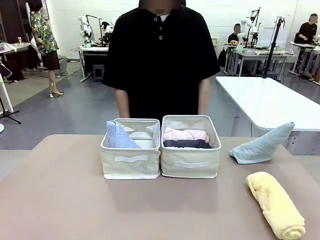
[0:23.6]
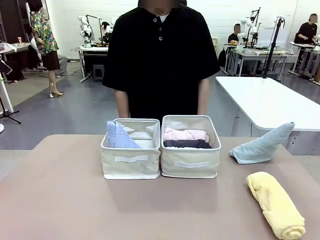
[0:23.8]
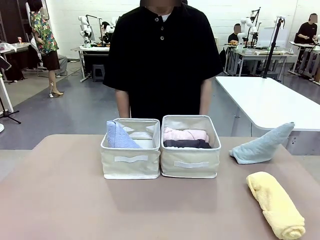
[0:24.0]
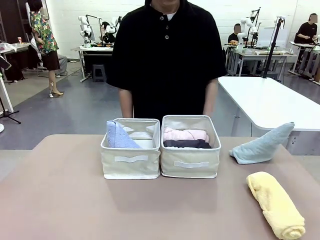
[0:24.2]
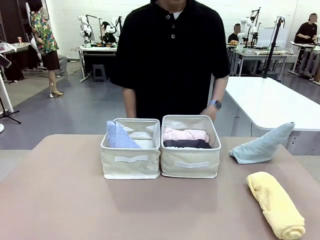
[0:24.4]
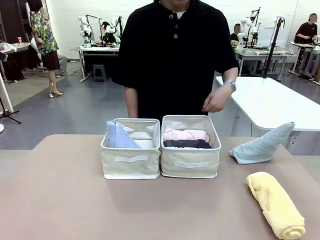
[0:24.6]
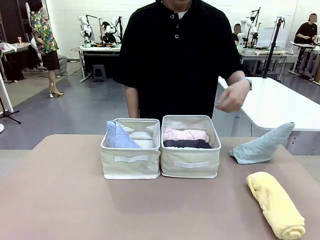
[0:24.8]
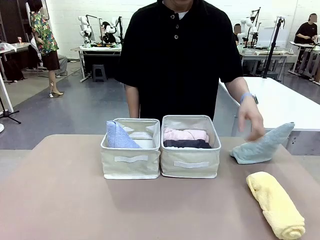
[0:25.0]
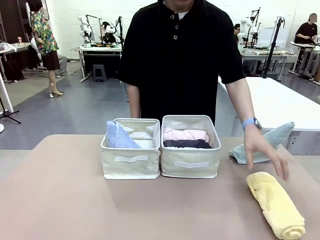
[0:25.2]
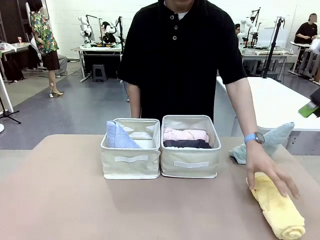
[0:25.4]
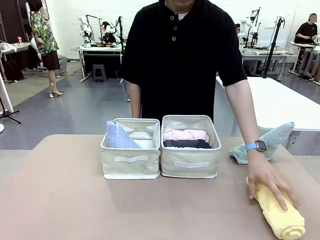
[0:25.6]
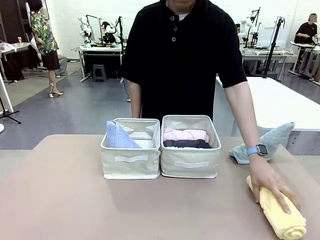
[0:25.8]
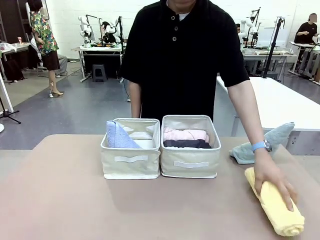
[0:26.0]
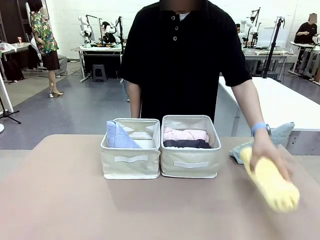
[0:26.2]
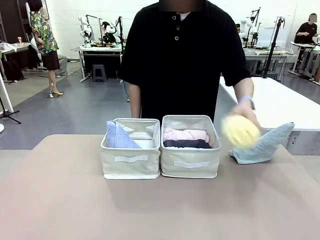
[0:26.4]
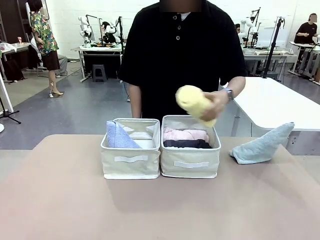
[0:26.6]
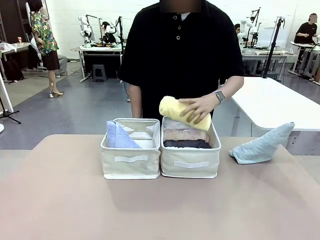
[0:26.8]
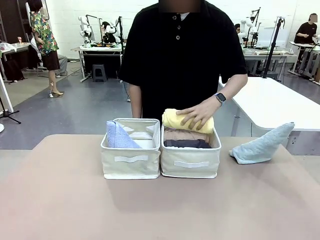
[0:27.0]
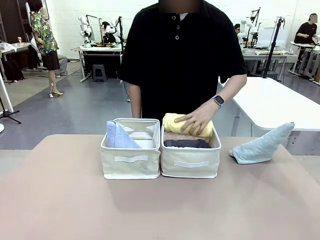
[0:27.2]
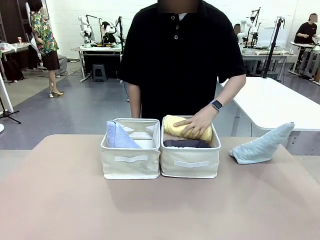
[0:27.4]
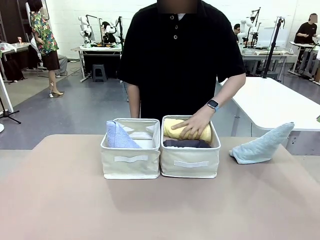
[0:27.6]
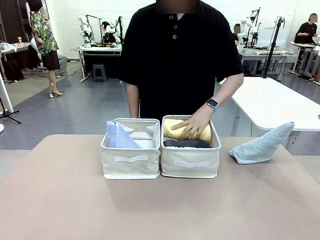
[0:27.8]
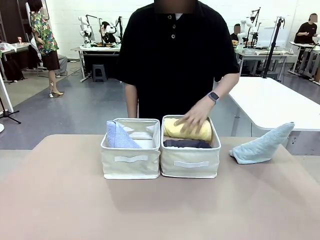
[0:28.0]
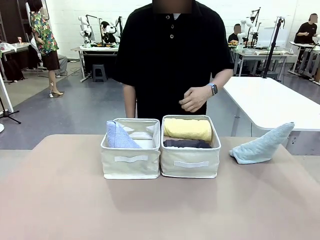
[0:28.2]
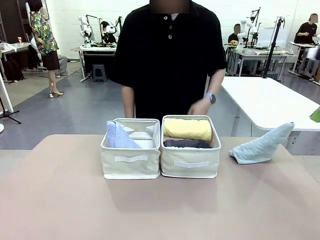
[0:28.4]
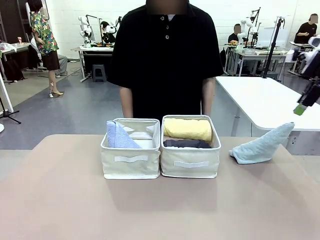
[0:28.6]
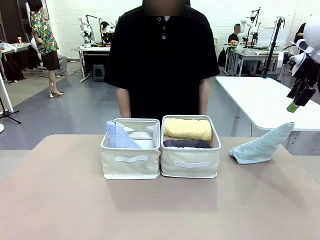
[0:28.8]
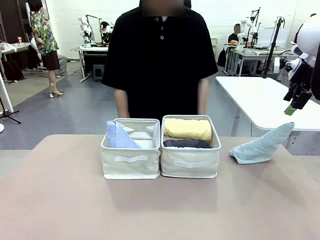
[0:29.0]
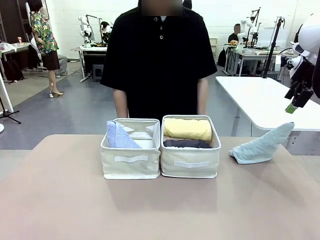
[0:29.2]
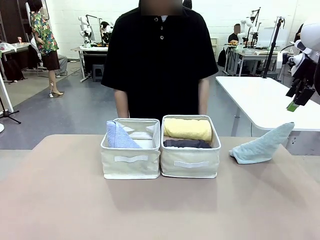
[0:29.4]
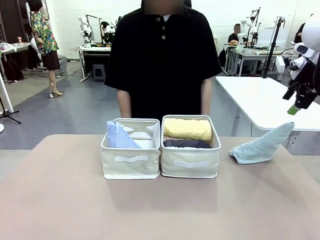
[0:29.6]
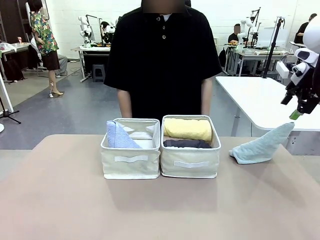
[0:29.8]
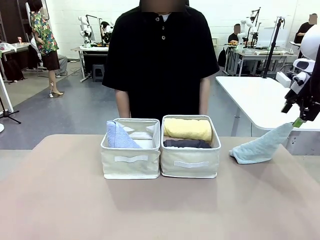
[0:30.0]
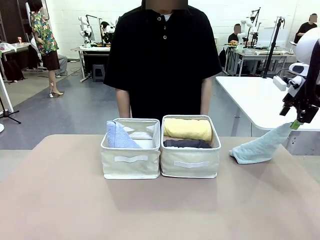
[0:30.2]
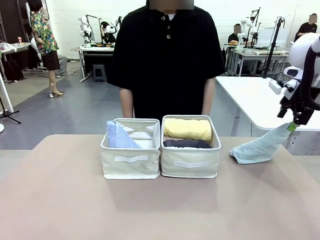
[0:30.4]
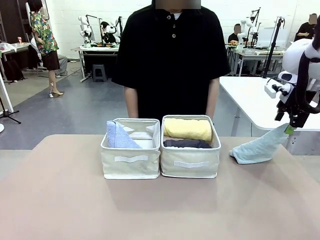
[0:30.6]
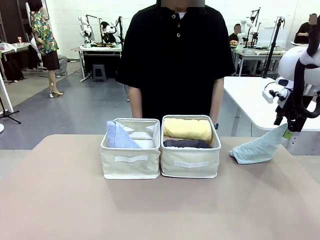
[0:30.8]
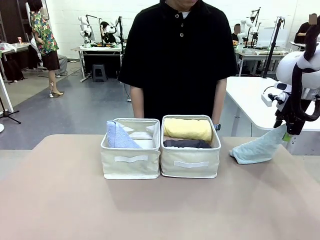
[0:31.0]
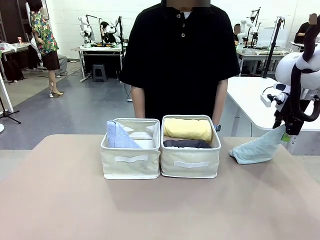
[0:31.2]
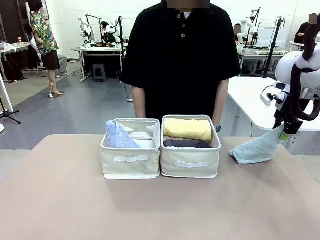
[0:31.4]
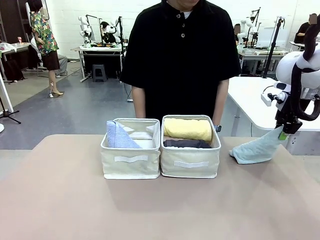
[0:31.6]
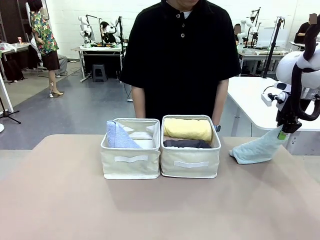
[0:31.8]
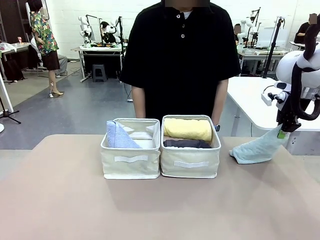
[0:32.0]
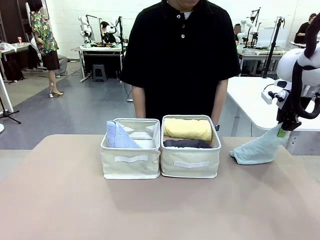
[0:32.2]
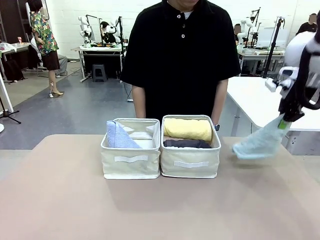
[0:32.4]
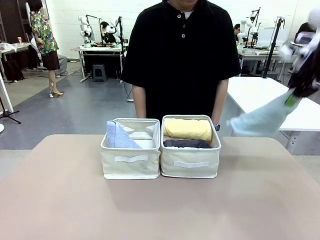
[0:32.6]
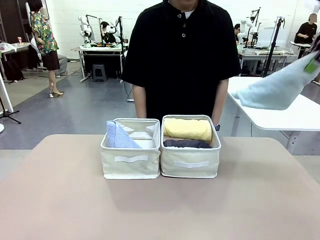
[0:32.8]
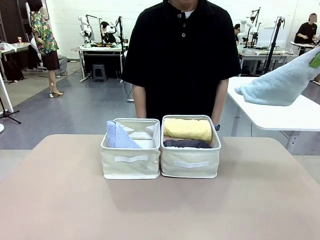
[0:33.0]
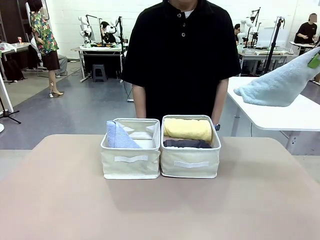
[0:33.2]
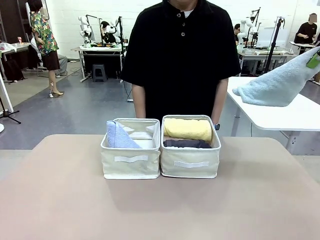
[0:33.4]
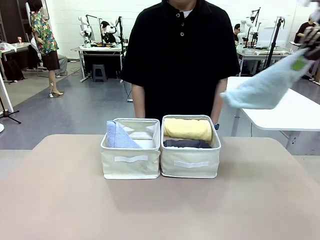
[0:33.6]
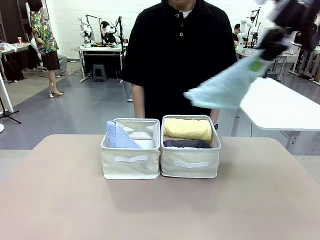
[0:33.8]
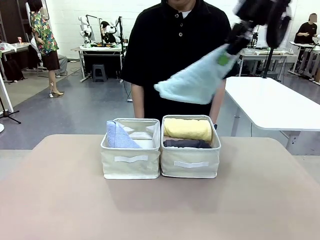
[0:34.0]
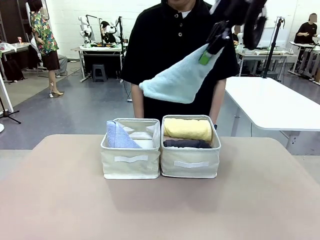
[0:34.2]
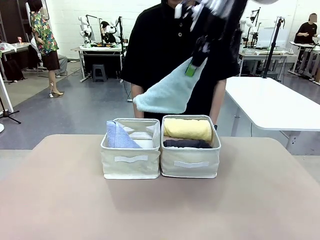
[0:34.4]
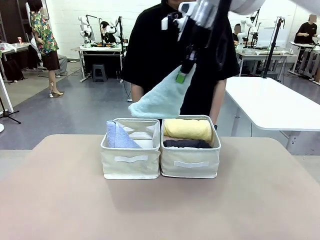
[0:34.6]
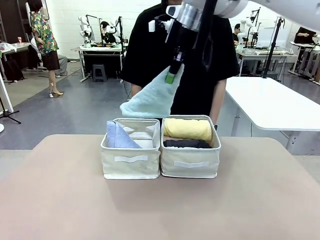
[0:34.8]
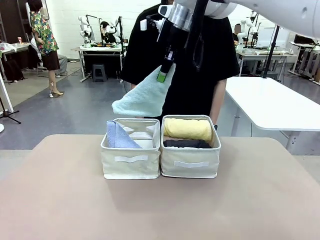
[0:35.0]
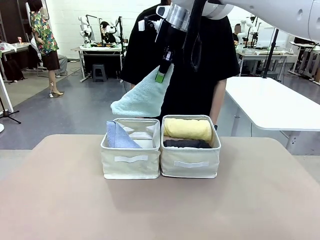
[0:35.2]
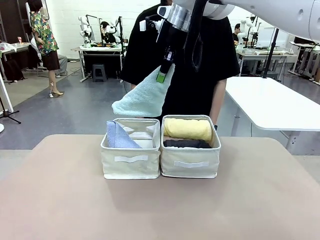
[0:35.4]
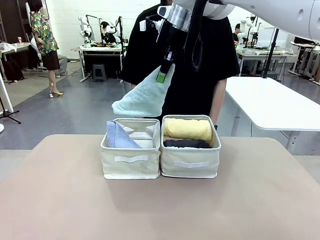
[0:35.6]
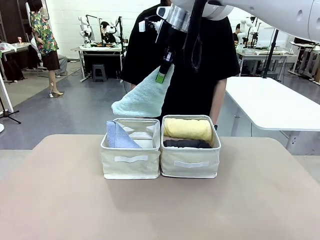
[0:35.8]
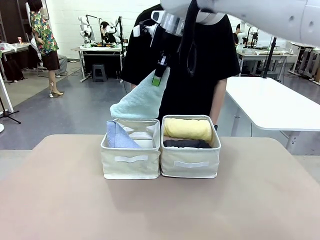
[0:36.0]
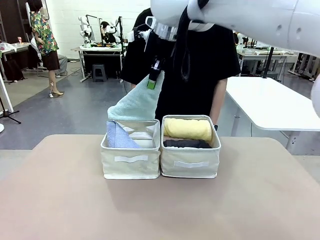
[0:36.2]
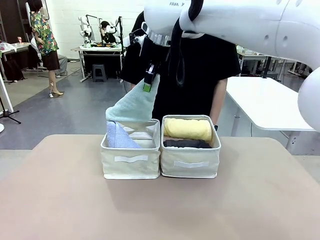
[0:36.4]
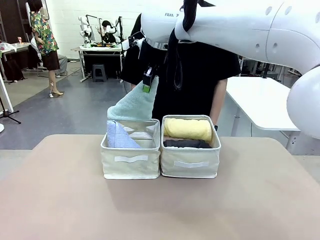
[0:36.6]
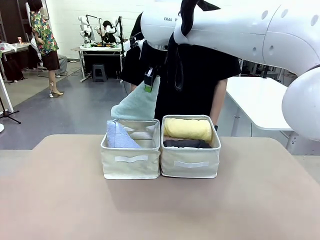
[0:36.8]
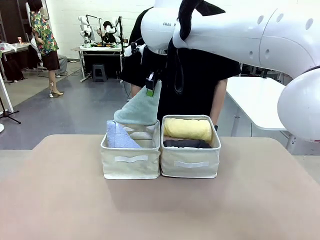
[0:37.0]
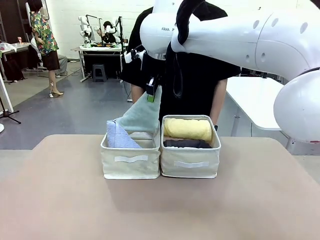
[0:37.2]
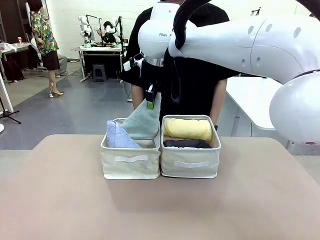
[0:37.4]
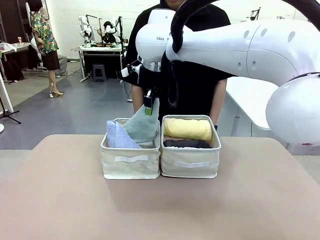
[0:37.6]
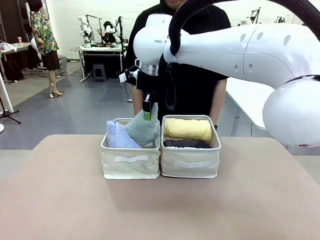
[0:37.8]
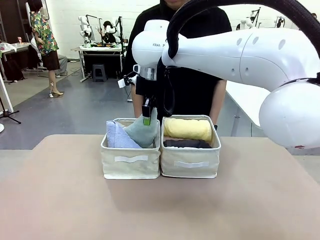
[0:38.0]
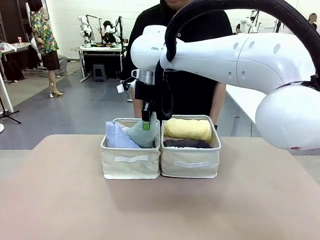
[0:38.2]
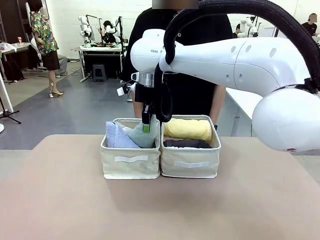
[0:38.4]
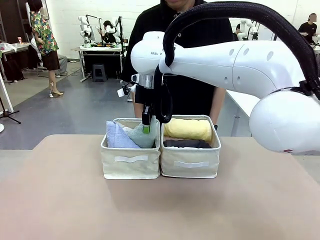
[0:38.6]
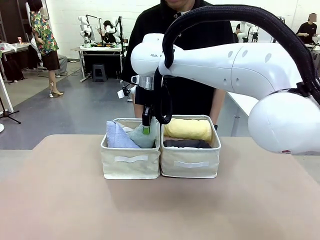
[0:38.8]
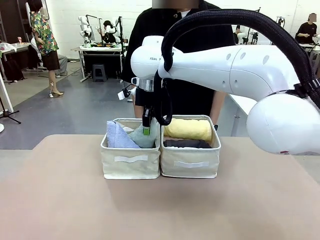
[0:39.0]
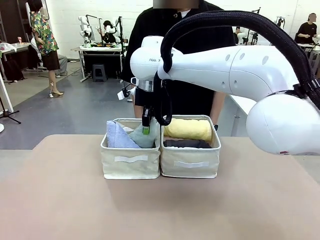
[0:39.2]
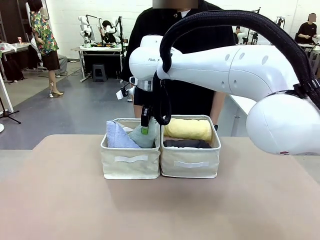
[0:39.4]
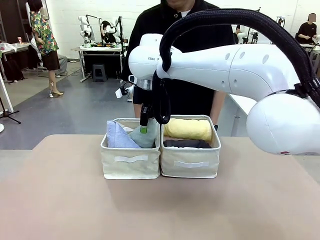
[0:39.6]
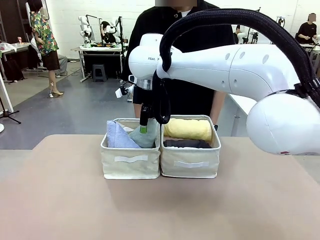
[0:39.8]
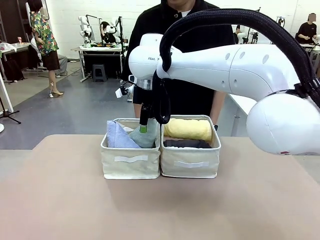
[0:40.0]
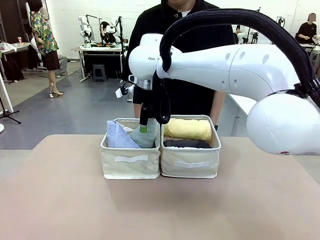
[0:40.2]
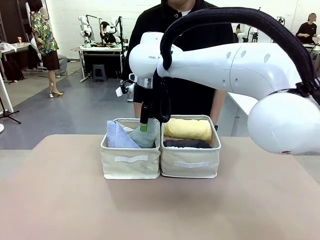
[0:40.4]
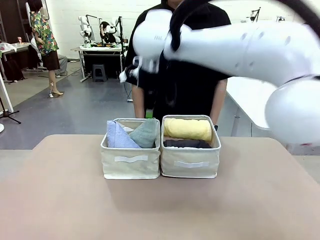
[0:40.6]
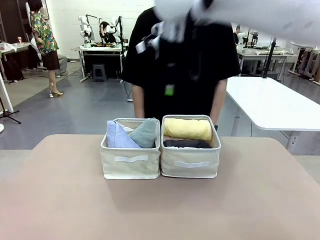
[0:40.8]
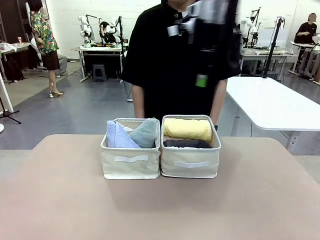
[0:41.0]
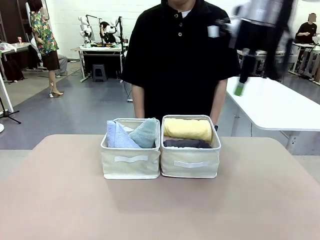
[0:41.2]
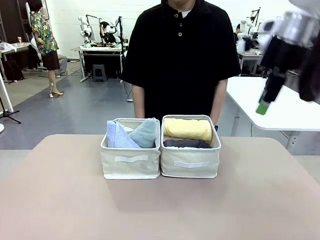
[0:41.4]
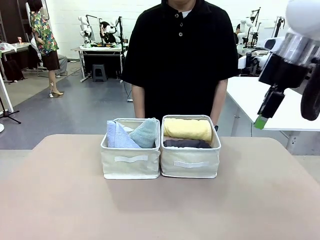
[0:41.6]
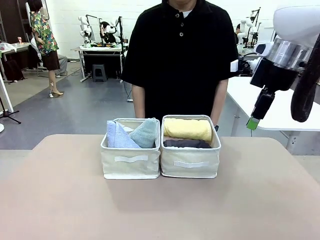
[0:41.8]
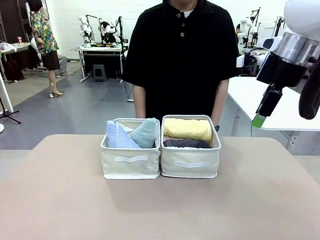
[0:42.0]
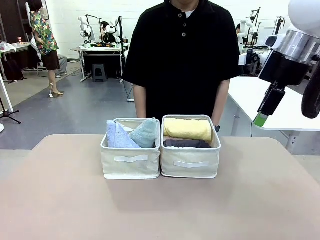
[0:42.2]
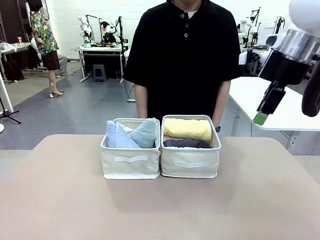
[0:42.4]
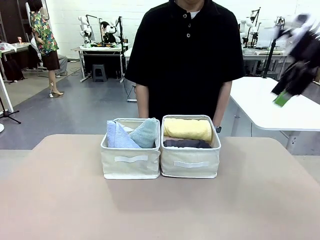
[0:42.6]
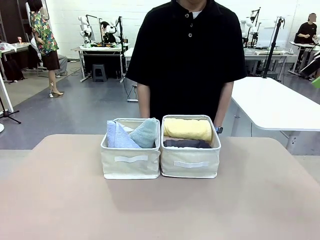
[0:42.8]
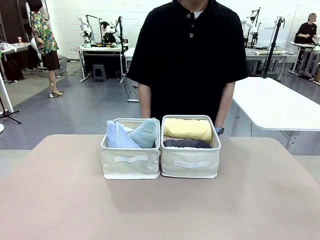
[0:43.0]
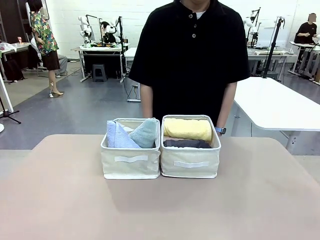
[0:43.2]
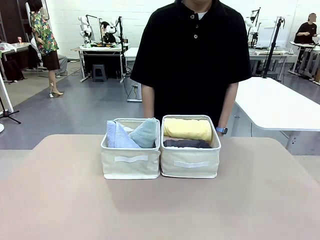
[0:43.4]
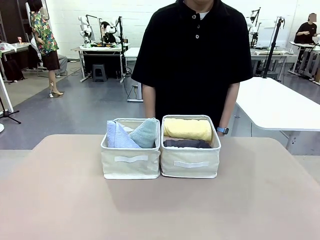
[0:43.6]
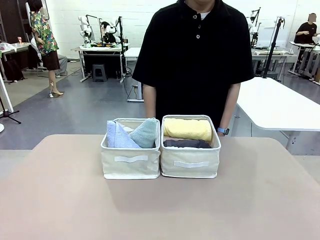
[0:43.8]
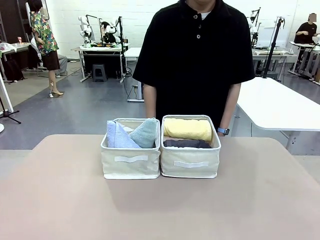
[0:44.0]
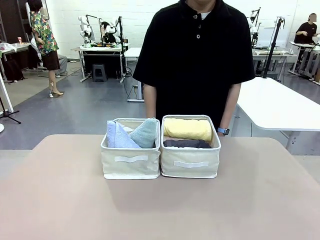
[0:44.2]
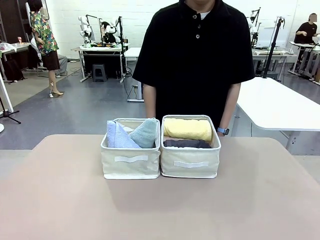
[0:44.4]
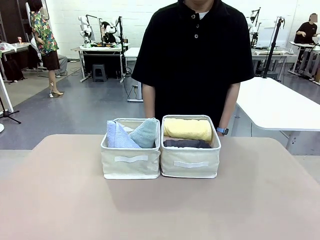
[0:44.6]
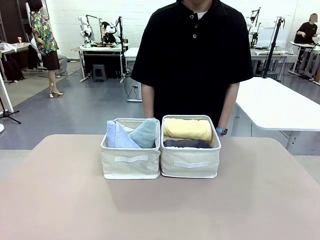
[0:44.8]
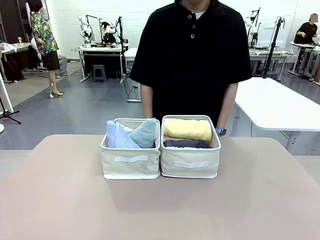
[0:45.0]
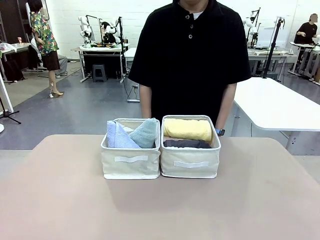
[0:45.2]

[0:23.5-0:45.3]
Task: Sort the towels based on their folding style.
Robot: Pick up another triangle-folded towel from the table and place it in the left Fabric basket.
Person: Pick up one hotel-style rolled towel from the table and place it in the left fabric basket.
